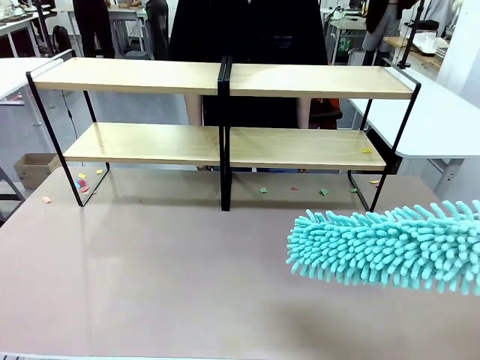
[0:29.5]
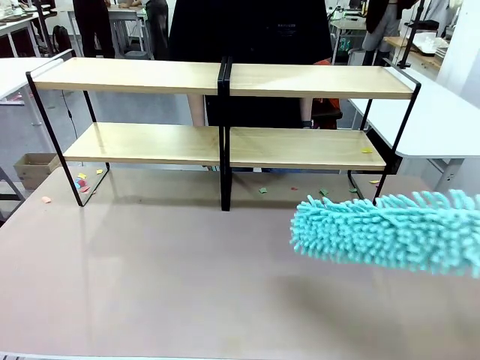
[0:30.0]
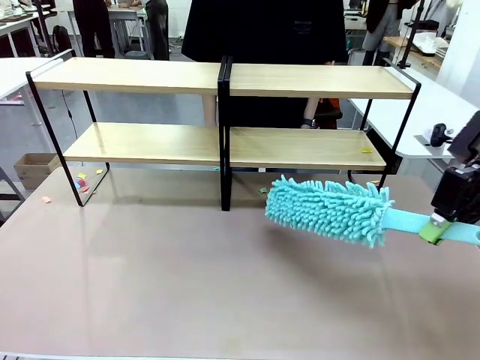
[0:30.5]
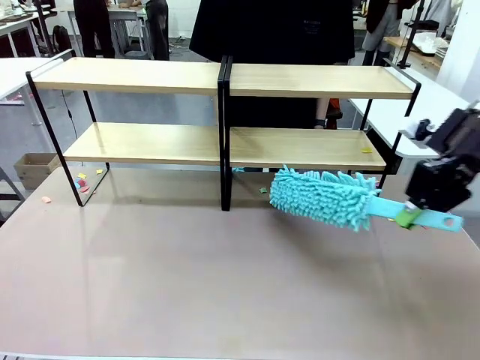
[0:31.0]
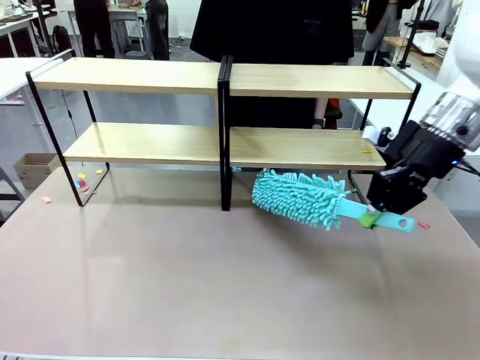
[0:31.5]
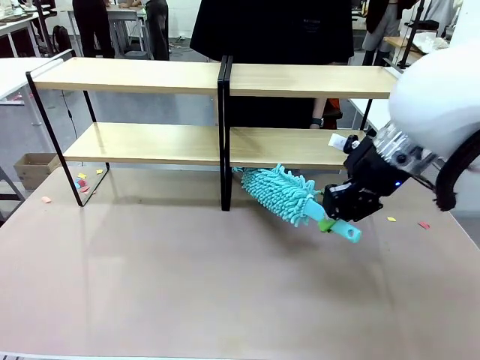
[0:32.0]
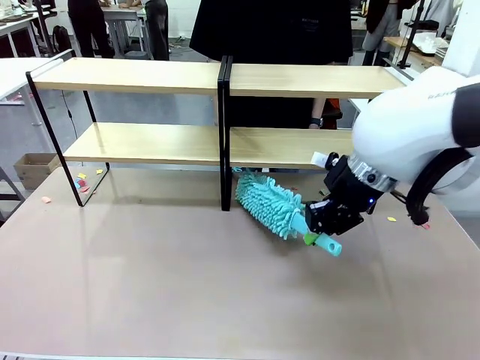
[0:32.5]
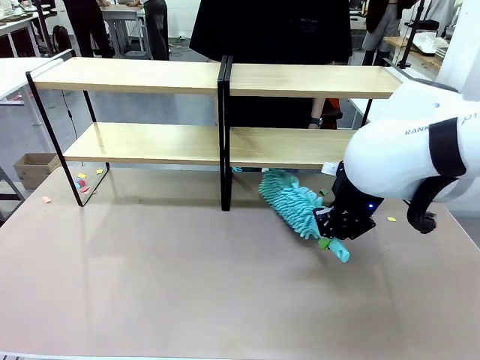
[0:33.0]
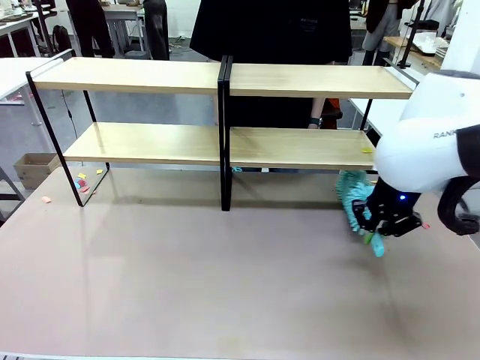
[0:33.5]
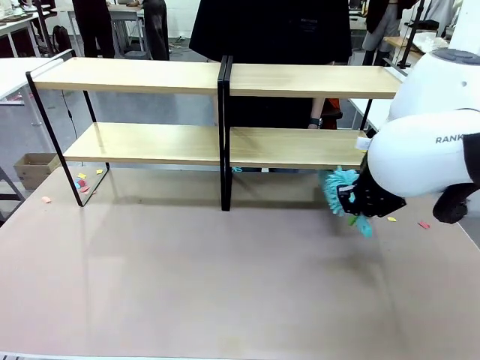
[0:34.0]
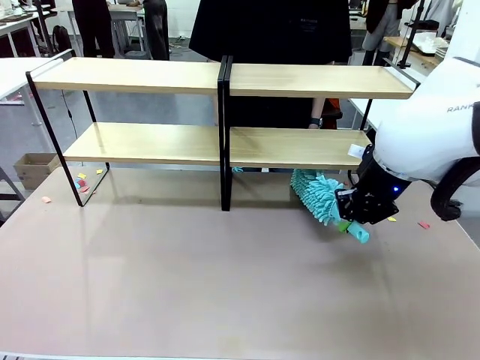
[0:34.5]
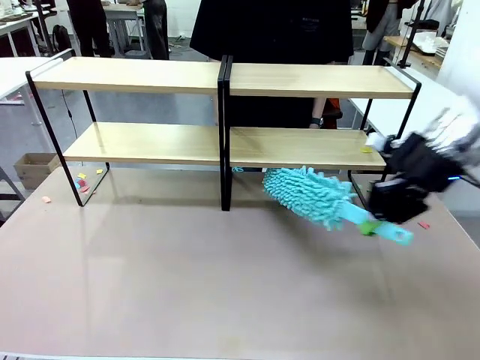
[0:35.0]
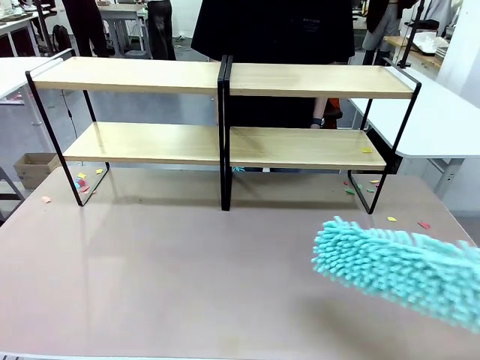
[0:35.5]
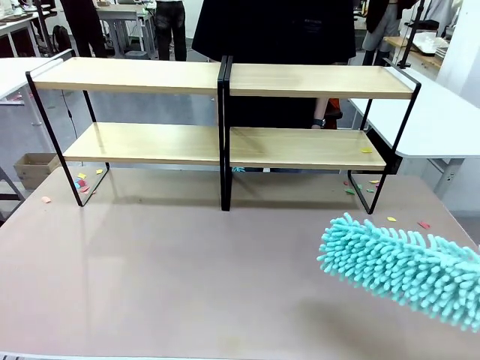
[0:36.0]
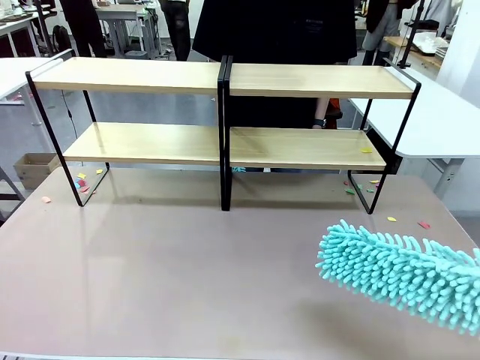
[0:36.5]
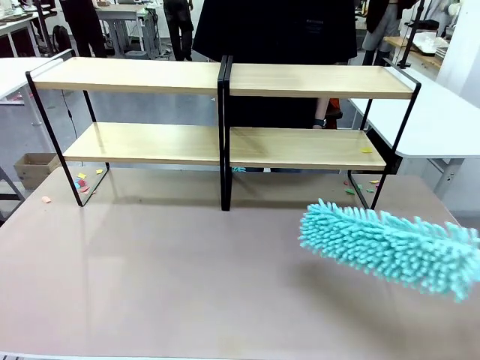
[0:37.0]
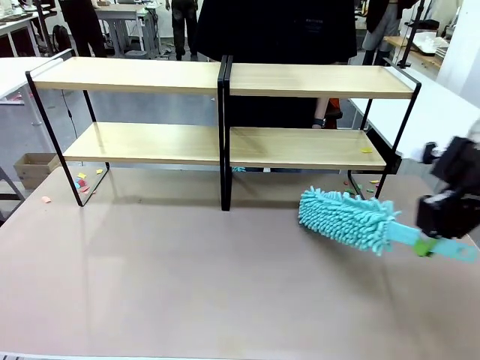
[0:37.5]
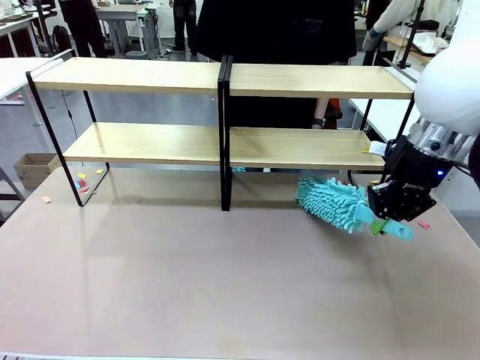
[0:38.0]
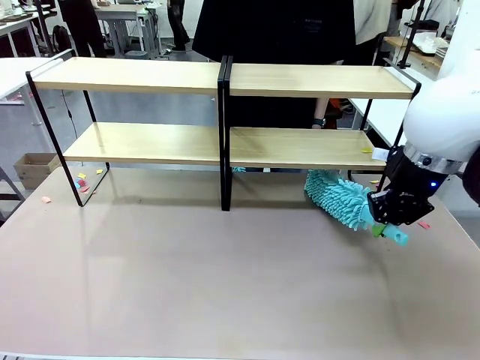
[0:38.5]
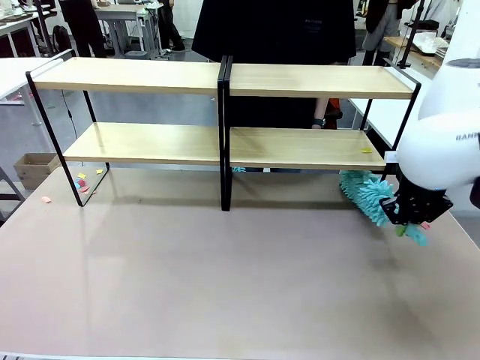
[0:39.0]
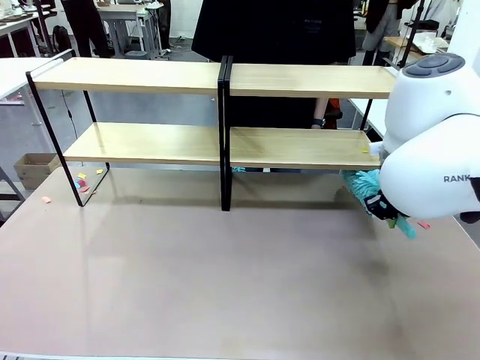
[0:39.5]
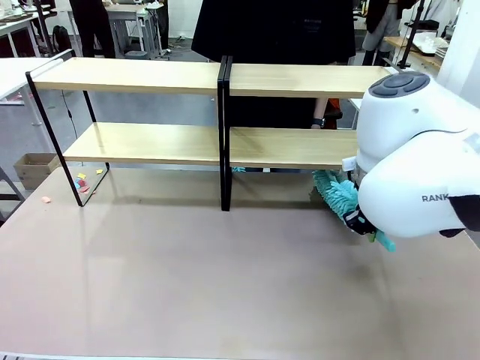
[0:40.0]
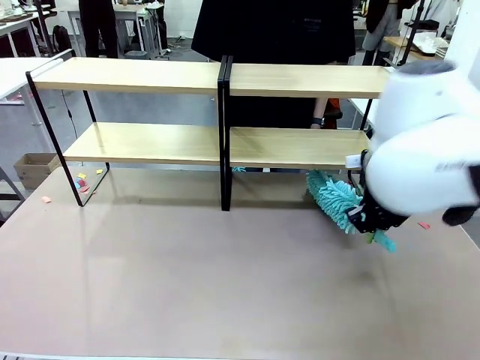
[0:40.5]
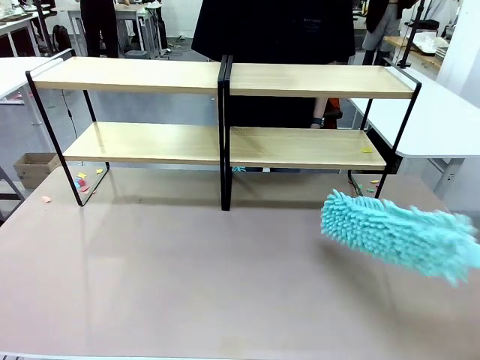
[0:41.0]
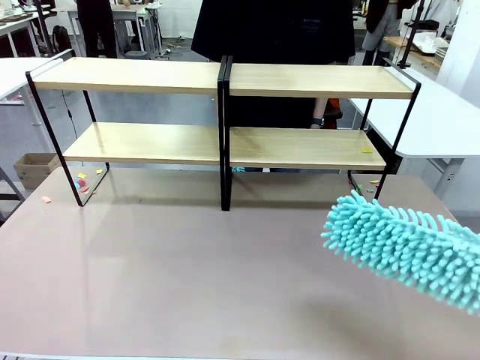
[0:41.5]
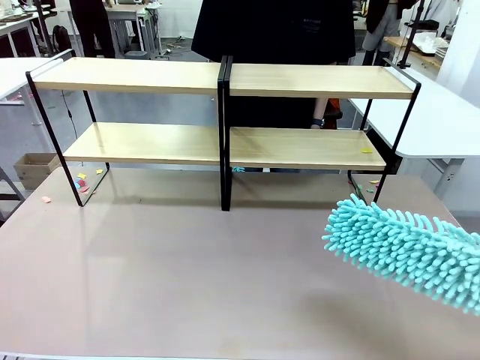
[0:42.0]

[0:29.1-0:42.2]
Task: Clean the shelves.
Robot: Clean another randomly selected level of the Shelf with the Duster.

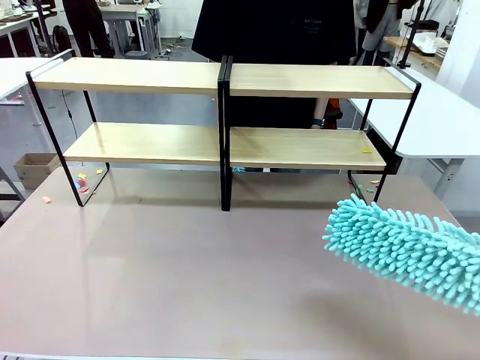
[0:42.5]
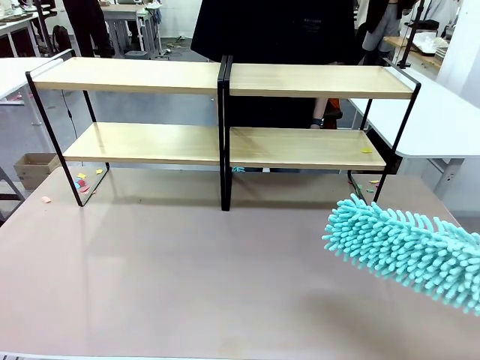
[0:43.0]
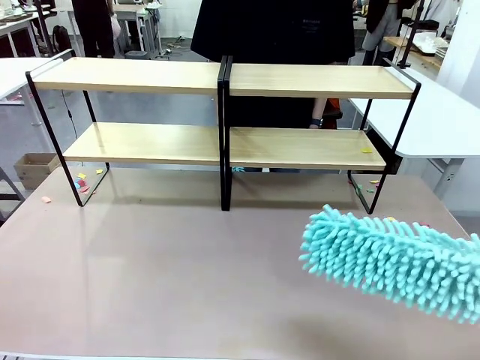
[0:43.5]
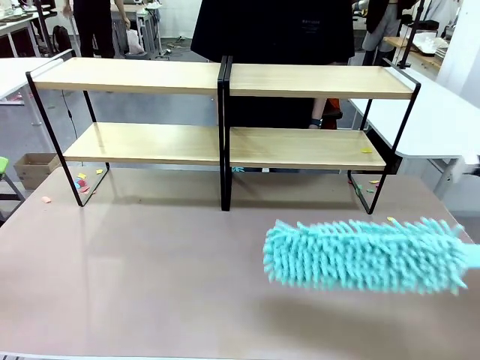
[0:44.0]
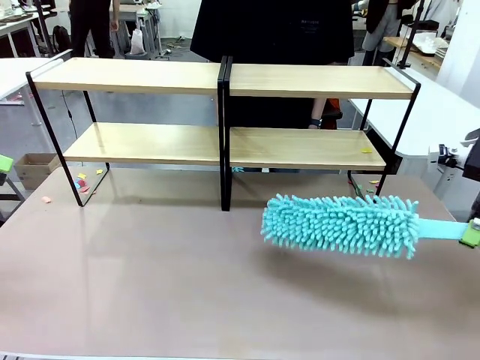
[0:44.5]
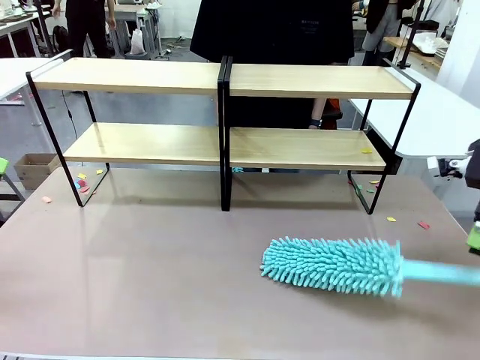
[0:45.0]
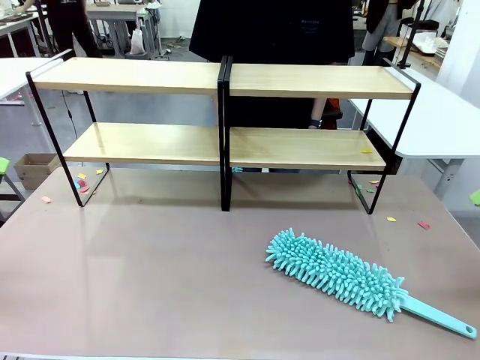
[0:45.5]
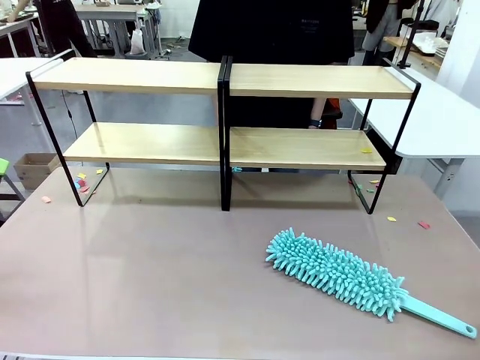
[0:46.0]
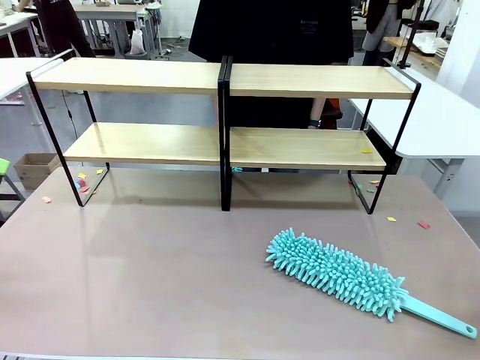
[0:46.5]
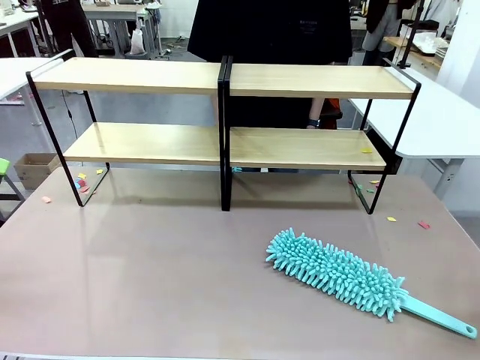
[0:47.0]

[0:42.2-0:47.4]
Robot: Place the Duster on the table.

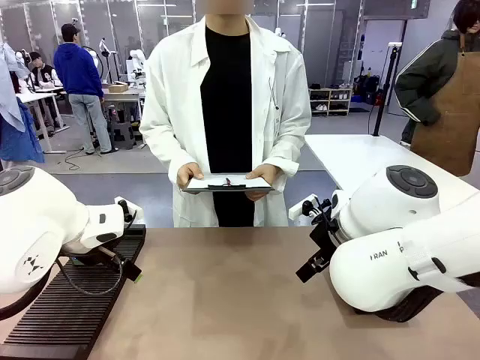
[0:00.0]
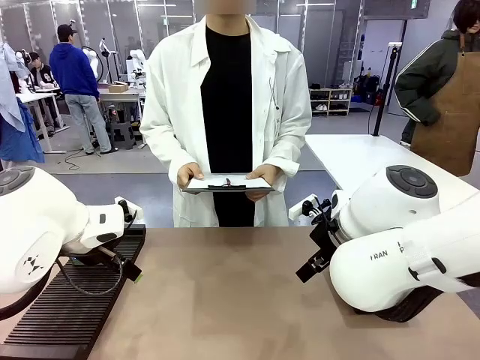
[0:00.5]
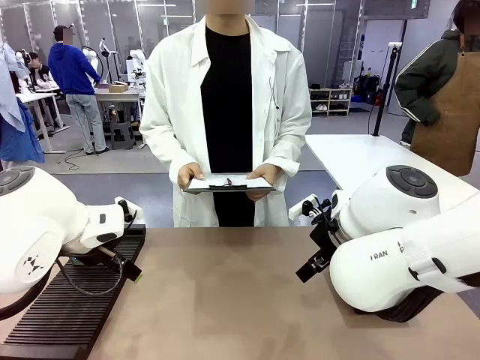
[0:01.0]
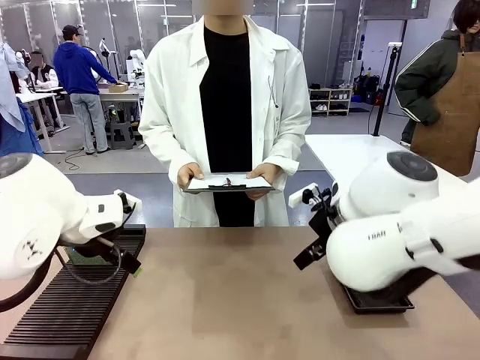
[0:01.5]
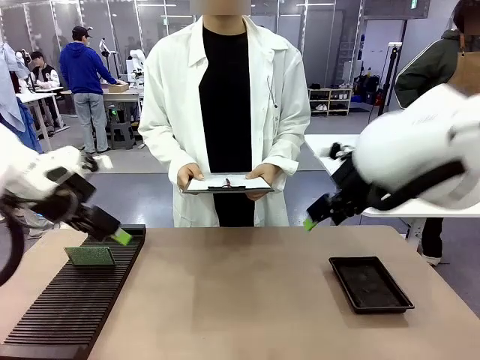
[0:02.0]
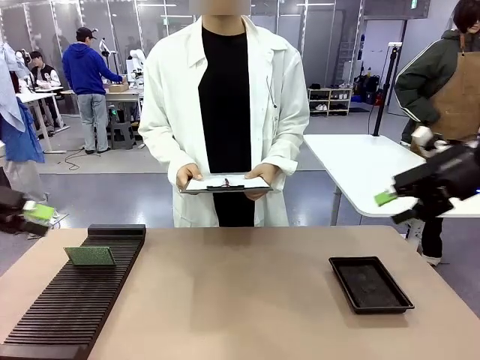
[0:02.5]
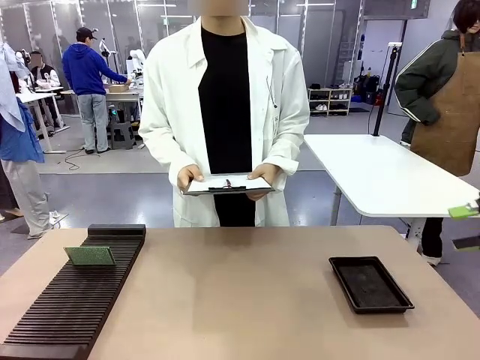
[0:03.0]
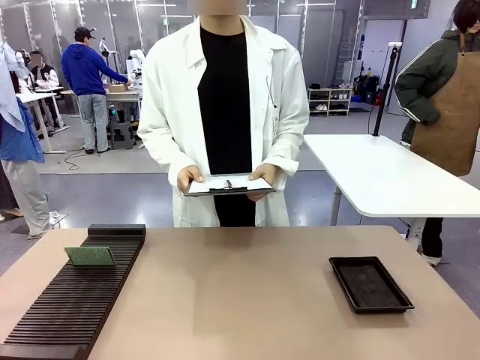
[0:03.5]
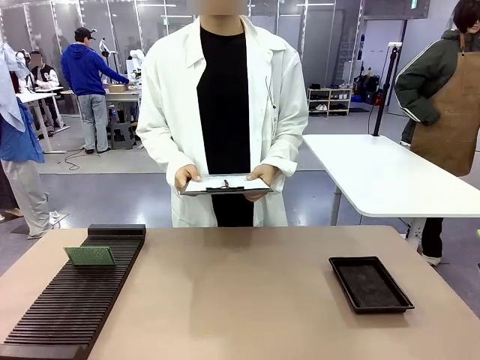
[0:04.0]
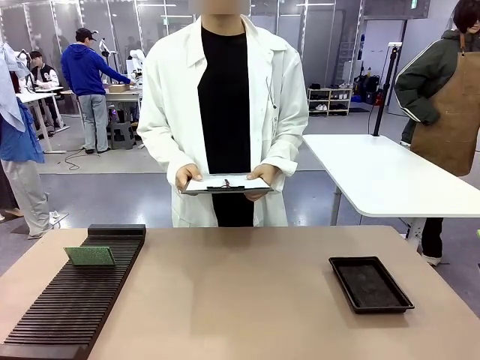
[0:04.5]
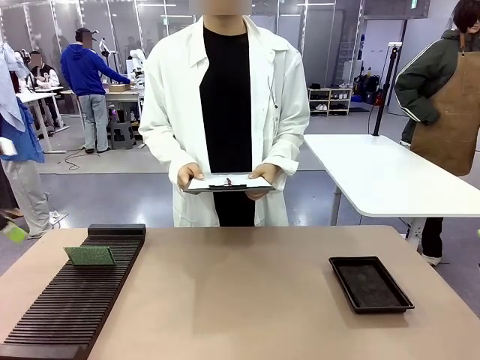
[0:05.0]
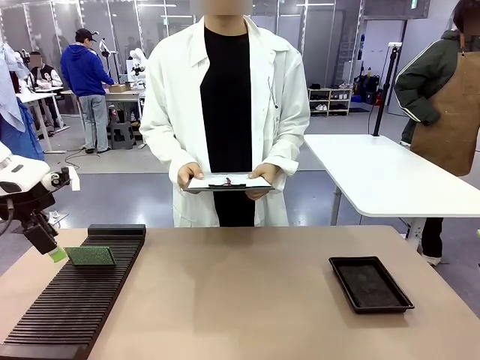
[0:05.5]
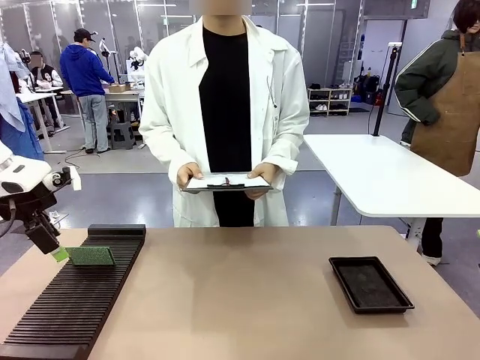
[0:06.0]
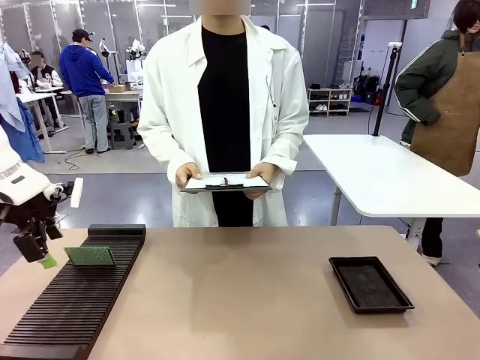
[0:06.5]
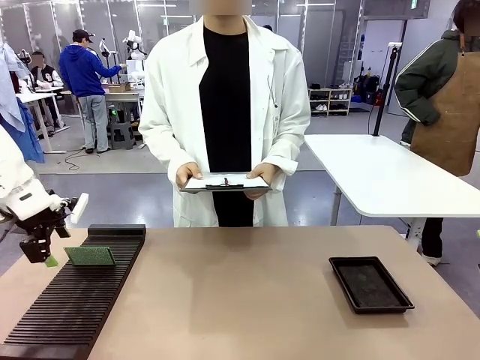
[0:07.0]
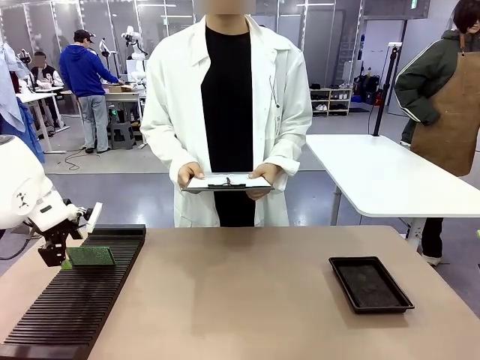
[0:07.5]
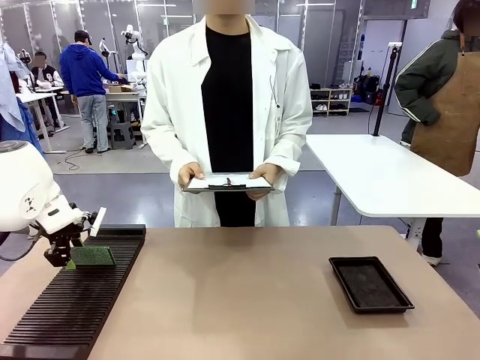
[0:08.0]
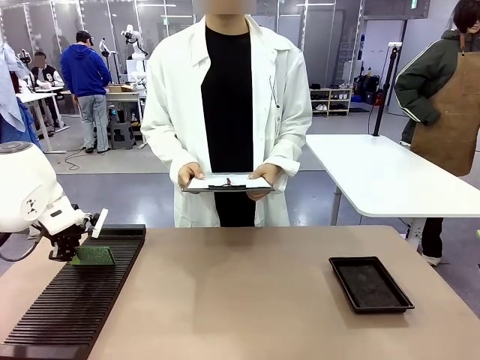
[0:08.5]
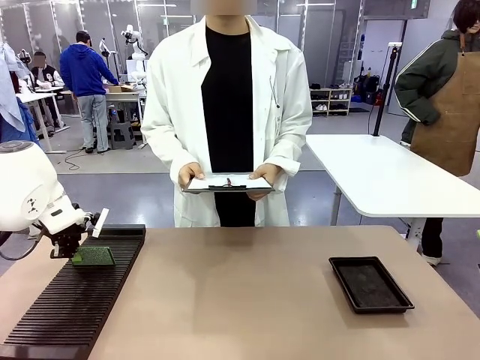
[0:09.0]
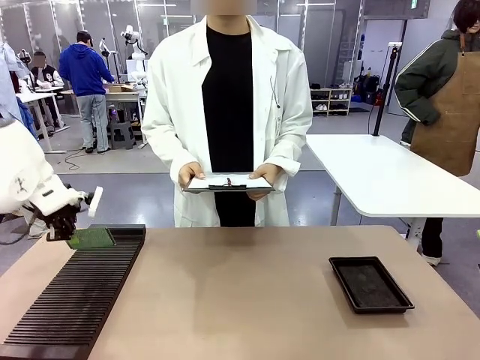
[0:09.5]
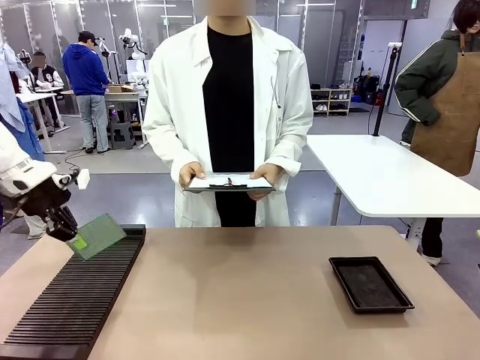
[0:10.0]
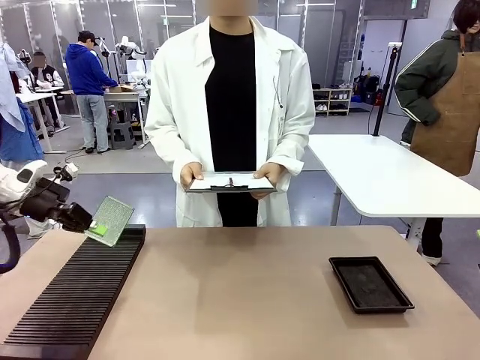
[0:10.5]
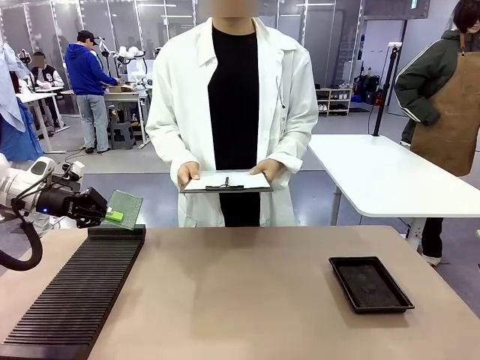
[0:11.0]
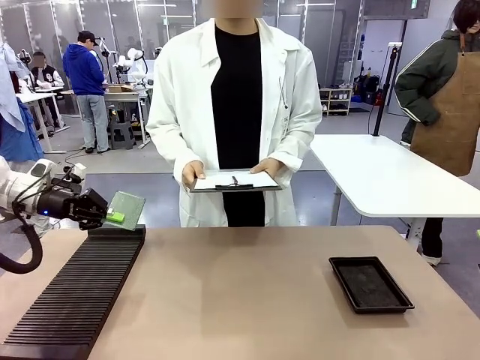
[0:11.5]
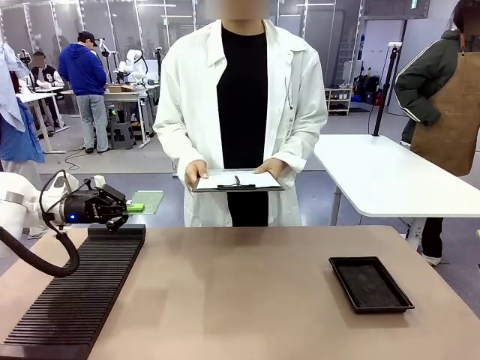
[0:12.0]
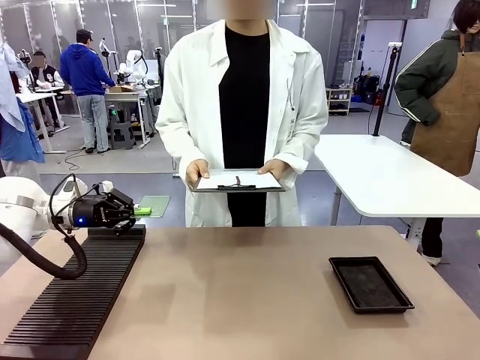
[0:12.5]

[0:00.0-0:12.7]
Task: Inspect the PCB.
Robot: Pick up the Blank PCB and present it to the human.
Person: Pick up the PCB presented by the robot.
